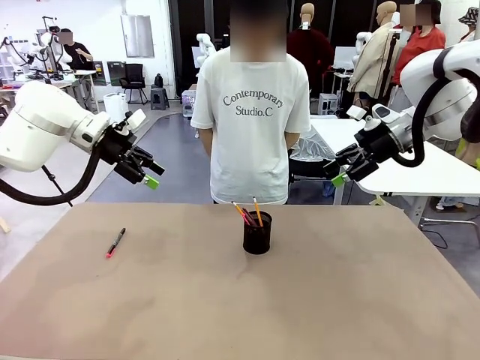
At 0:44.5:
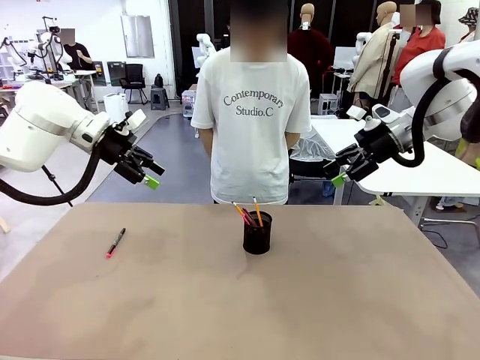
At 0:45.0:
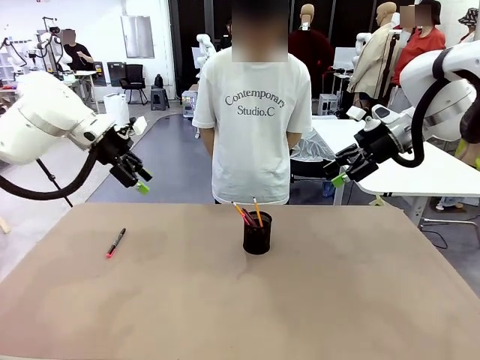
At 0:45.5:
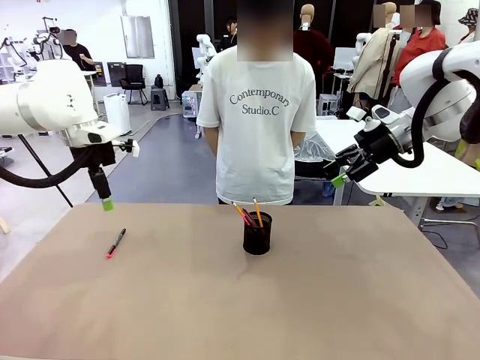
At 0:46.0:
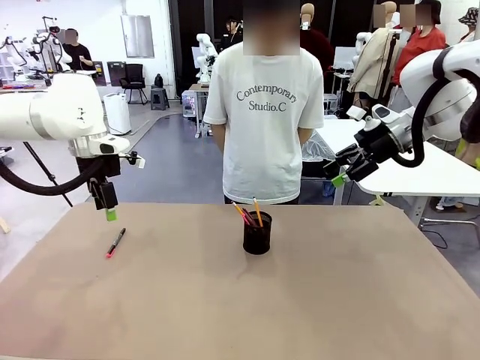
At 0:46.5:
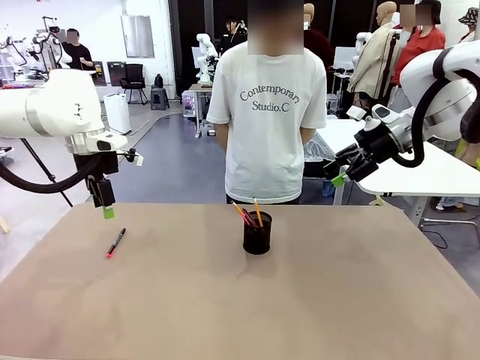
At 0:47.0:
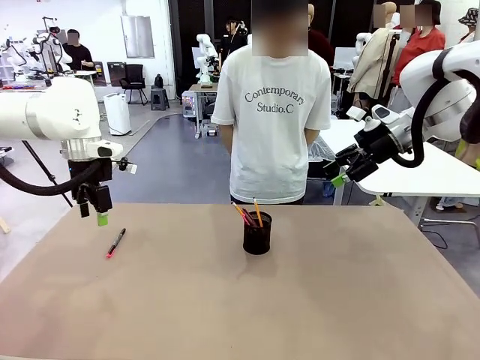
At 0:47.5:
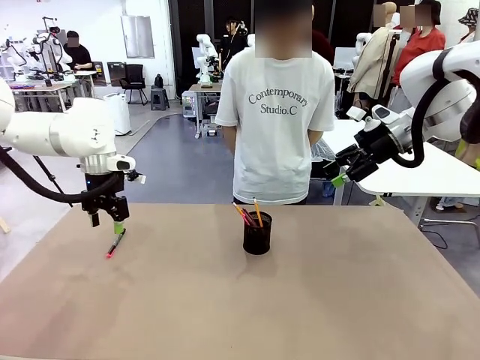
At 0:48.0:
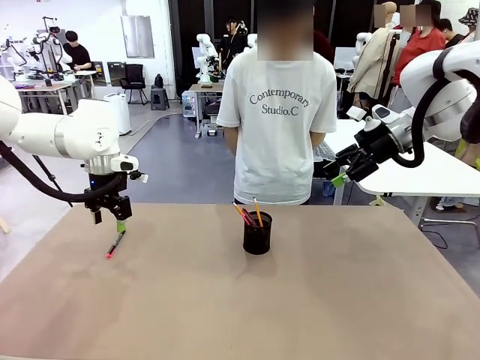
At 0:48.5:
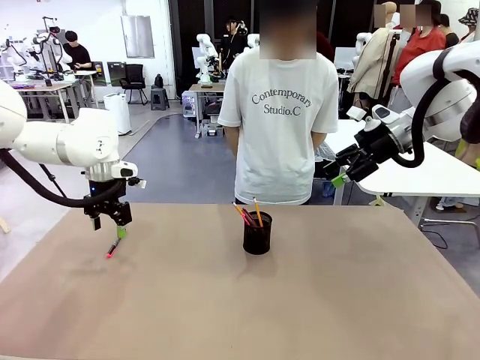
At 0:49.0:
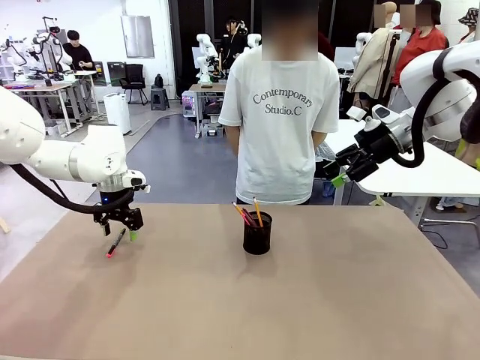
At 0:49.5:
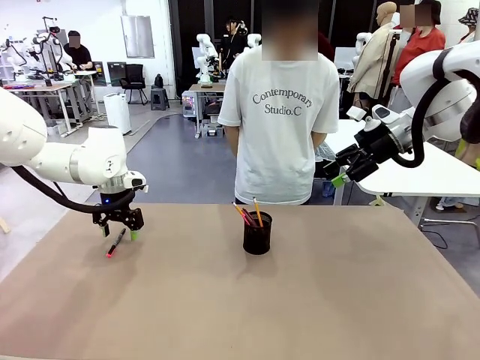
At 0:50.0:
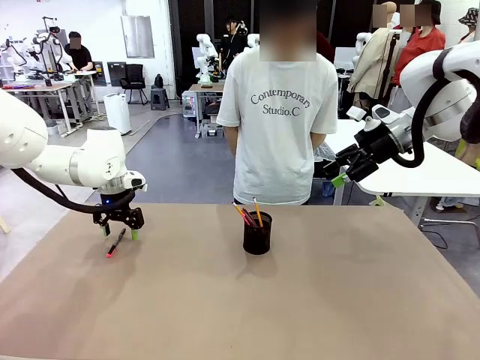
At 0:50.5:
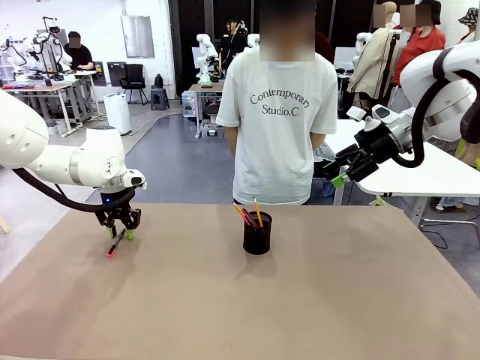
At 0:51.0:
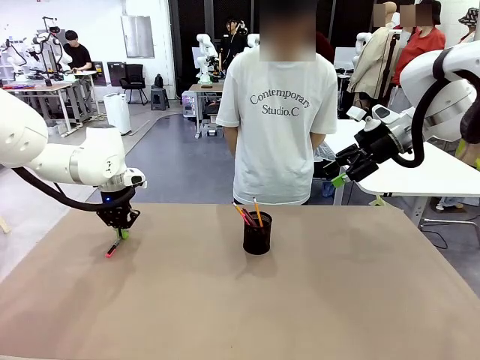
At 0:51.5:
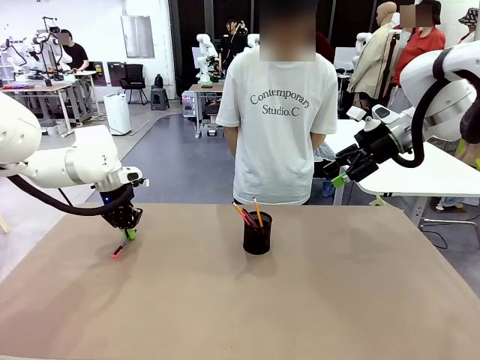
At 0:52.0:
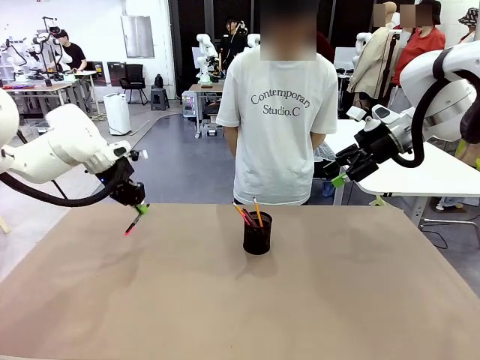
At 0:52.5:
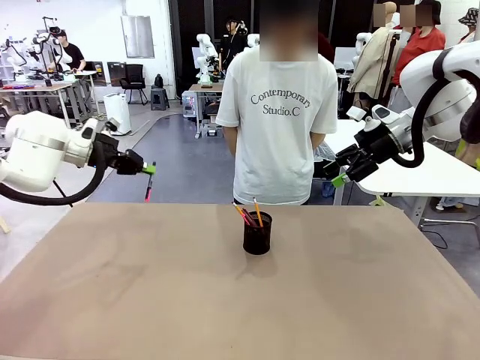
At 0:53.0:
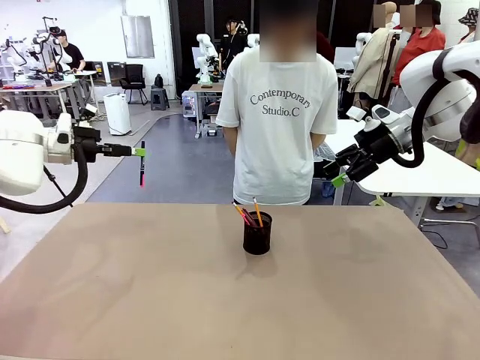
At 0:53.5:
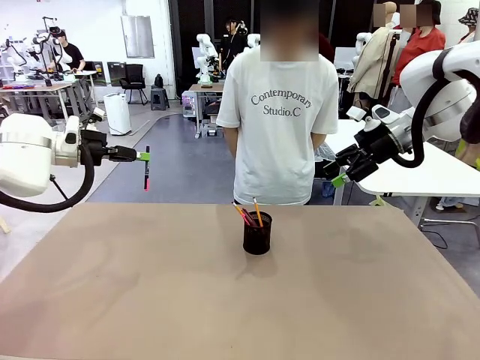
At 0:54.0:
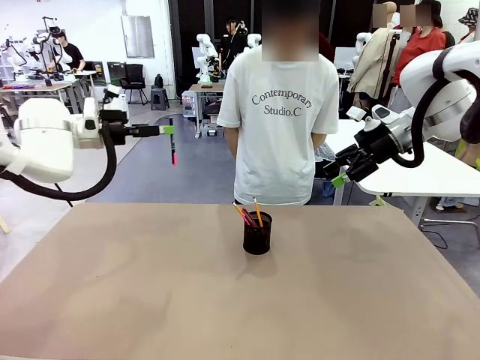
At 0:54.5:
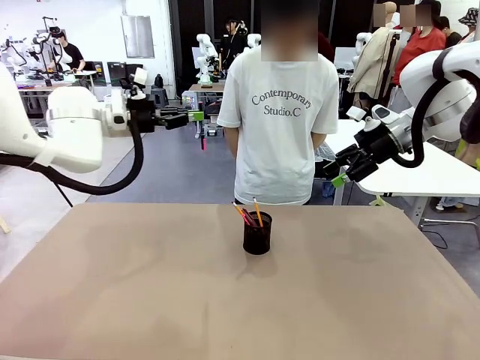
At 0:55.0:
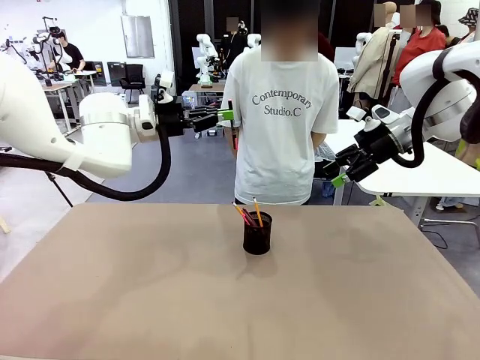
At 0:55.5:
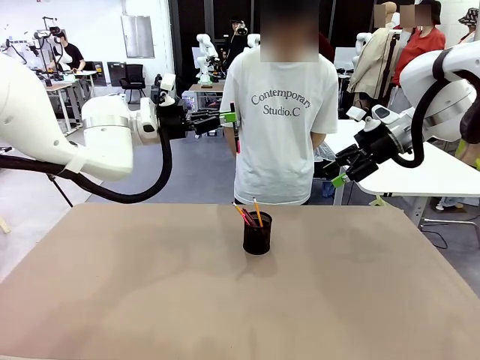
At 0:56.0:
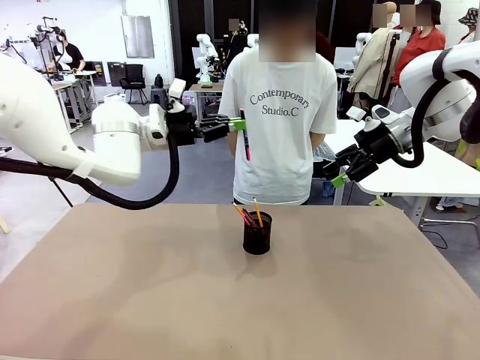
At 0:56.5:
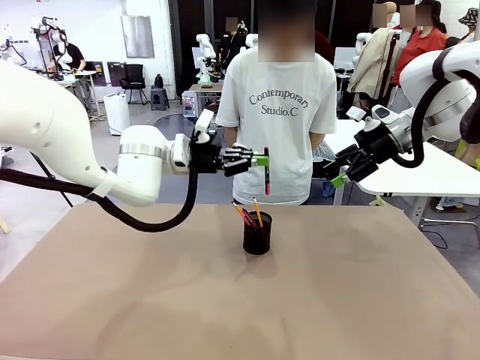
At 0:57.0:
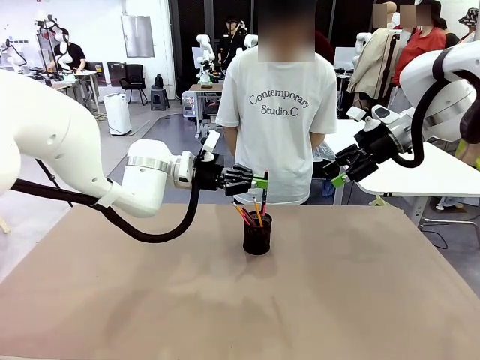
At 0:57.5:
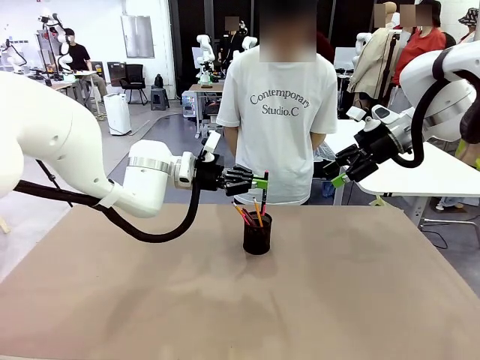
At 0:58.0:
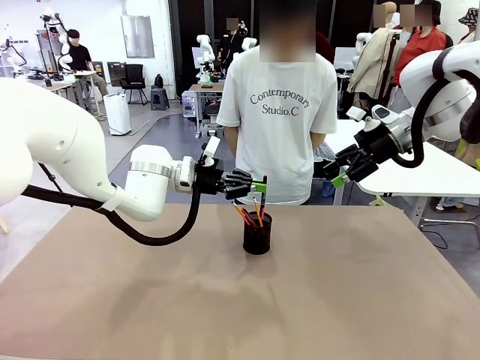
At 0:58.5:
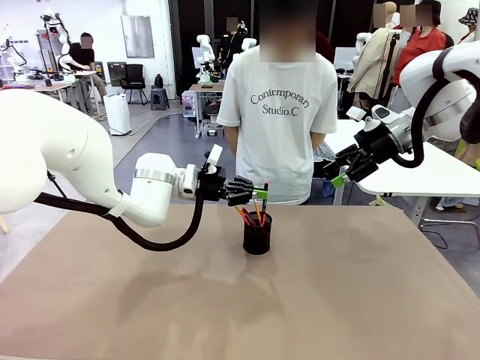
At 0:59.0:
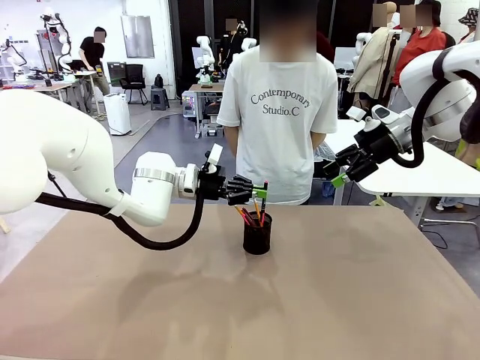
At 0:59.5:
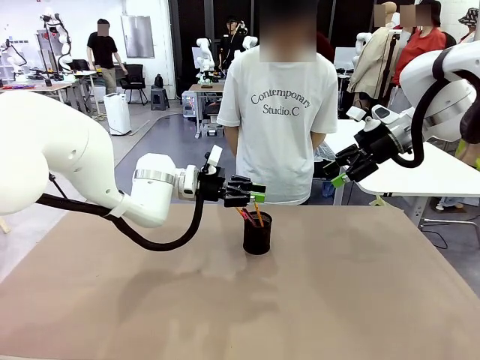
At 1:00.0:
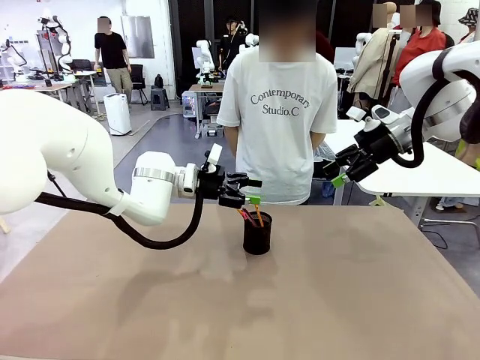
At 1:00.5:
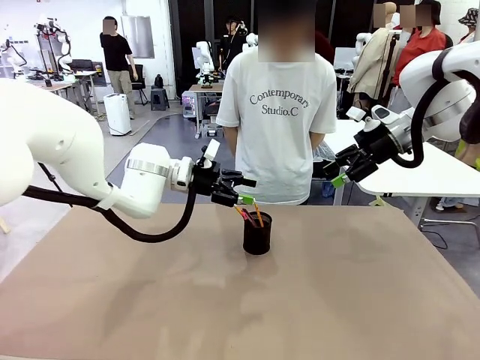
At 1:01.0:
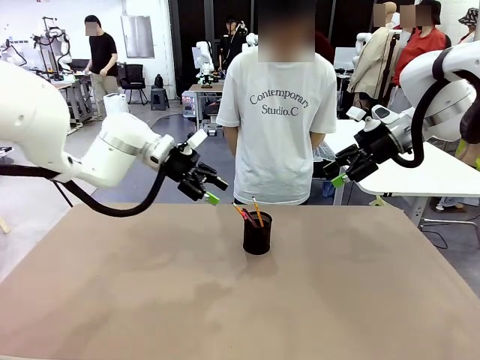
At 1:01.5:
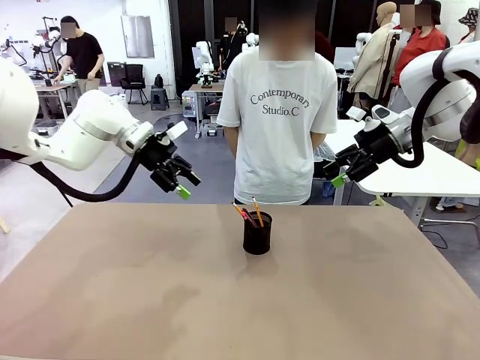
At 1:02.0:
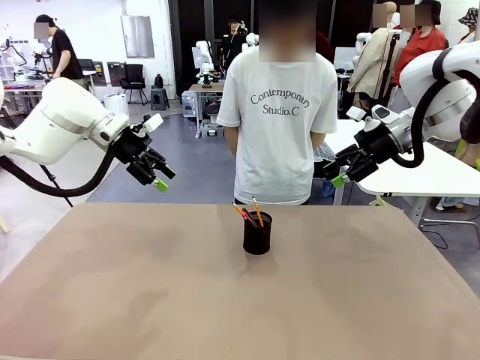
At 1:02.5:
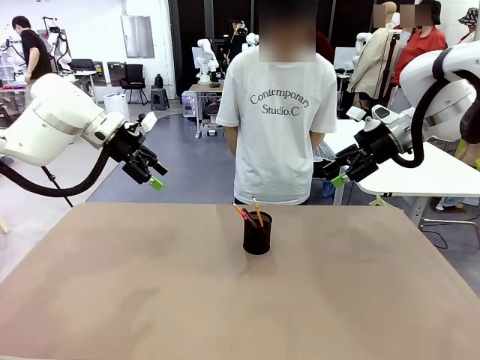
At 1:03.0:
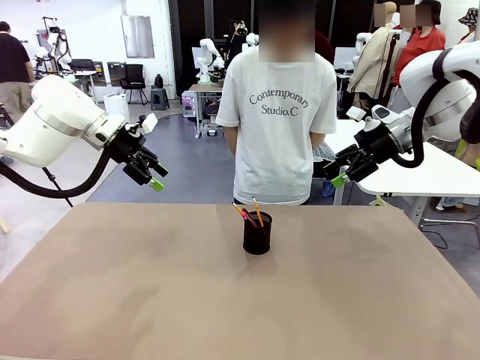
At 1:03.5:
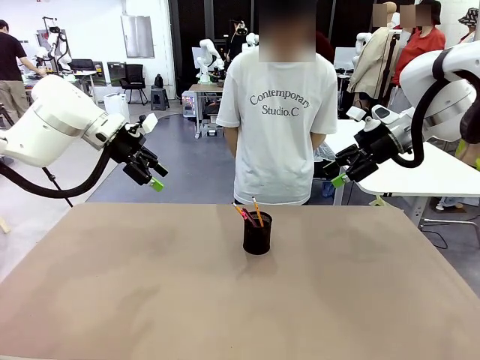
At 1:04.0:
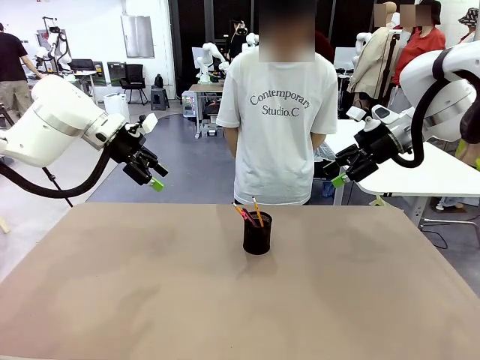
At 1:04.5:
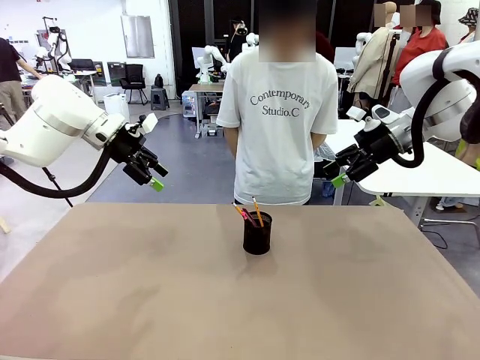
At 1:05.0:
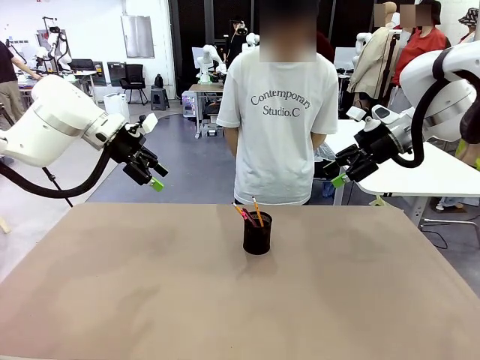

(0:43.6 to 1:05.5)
Task: Place the pens into the pen holder.
Robot: Pick up a writing instrument from the table and place it into the Pen holder.

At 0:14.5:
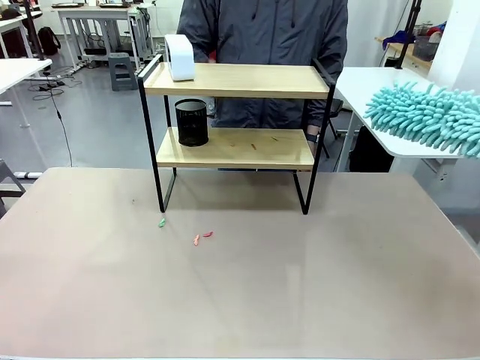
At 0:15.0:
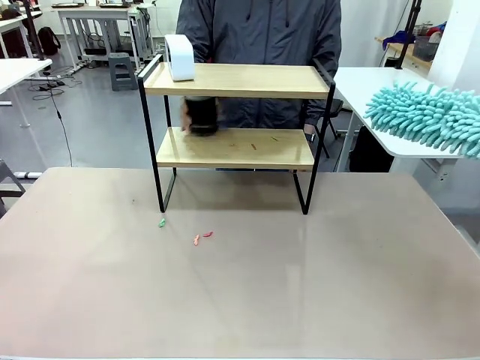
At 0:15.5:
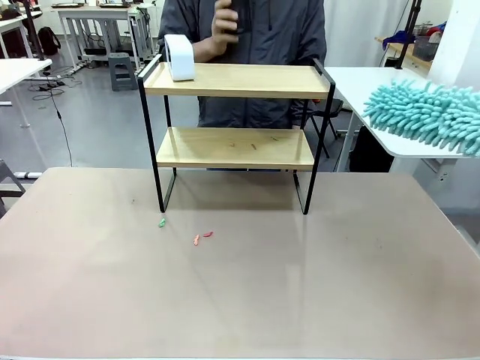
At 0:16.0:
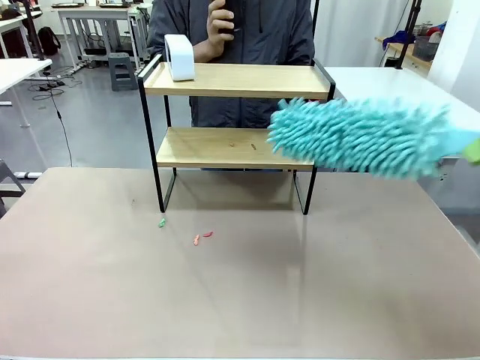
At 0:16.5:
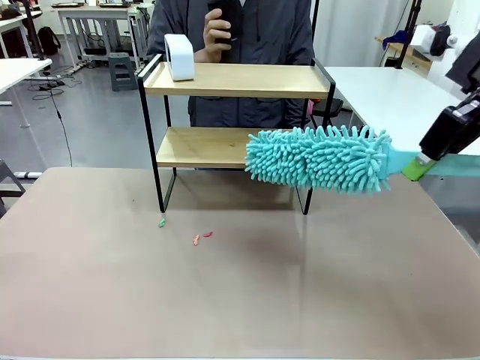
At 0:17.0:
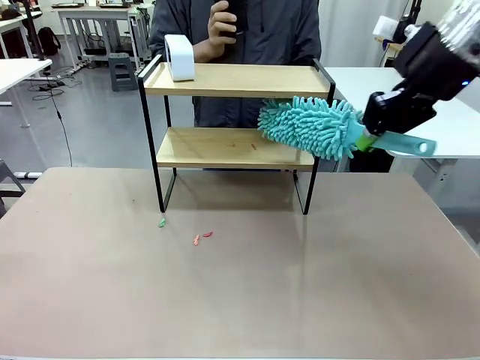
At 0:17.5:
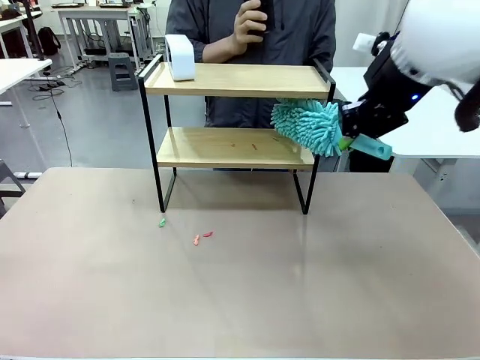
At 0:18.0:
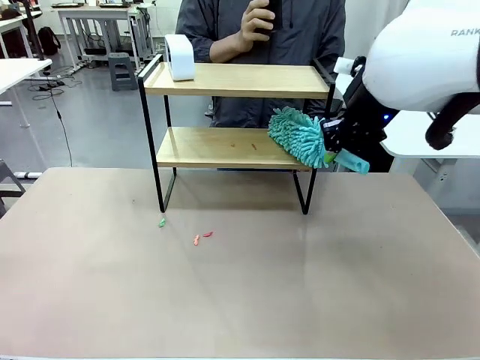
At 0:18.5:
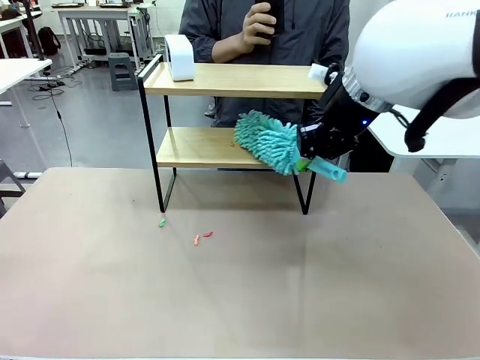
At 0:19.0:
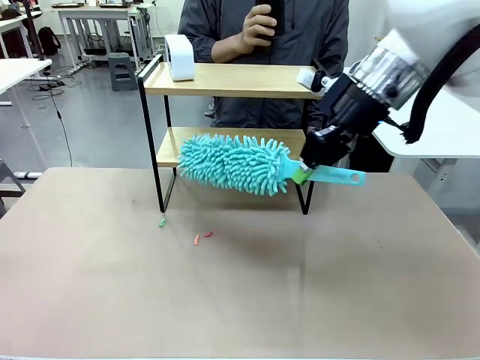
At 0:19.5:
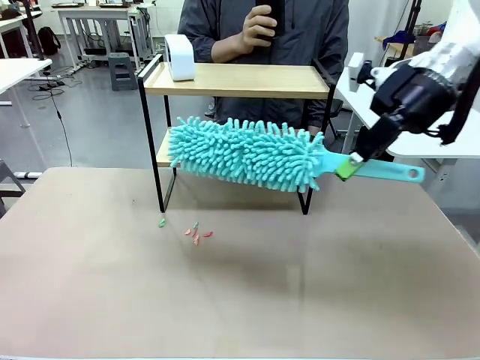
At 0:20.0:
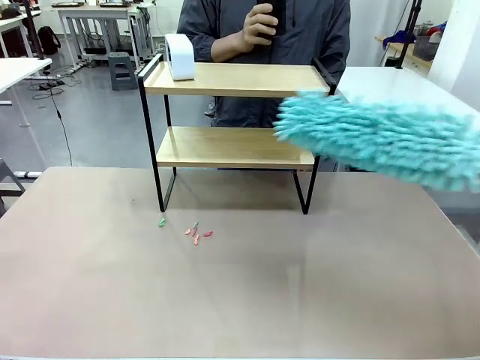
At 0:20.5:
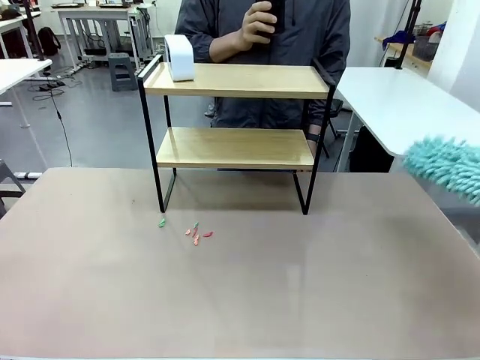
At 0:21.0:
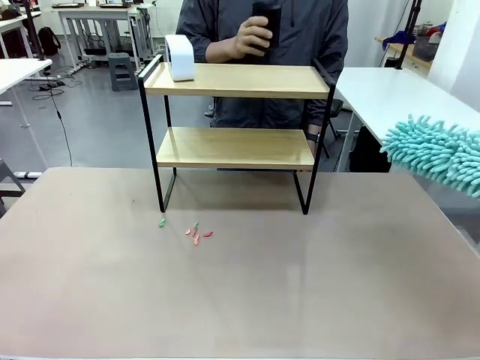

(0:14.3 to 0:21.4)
Task: Clean the shelf.
Robot: Clean the remaining tier of the Shelf with the Duster once objects are removed.
